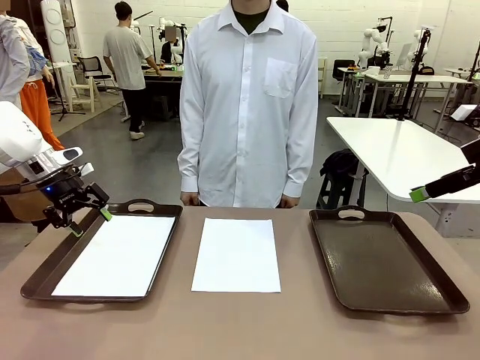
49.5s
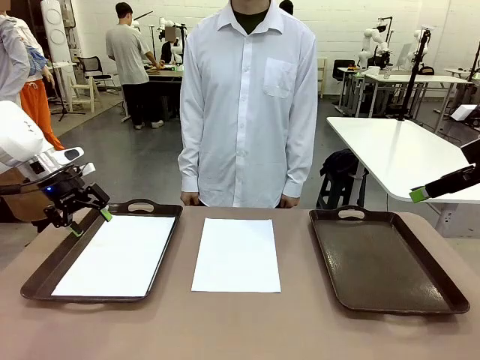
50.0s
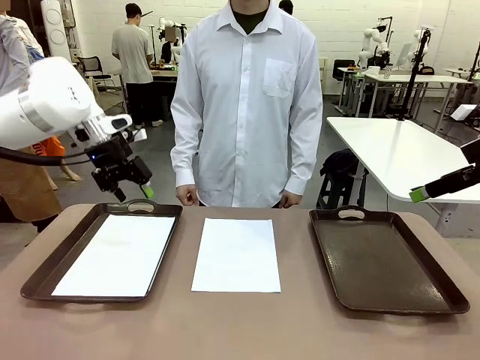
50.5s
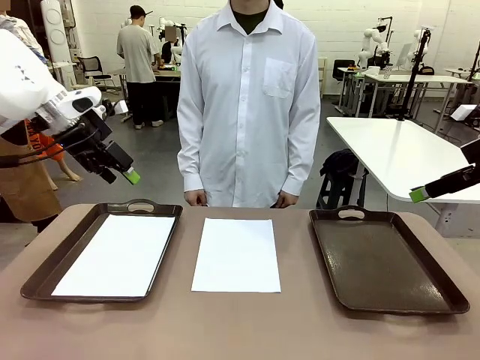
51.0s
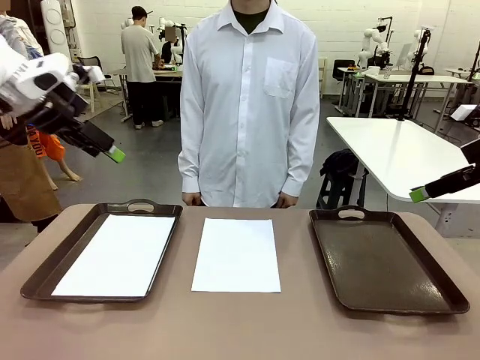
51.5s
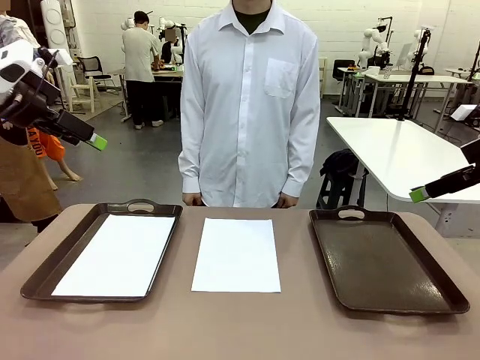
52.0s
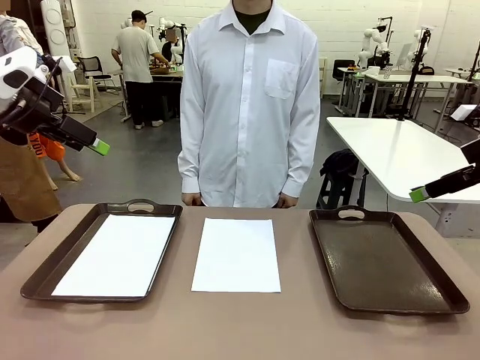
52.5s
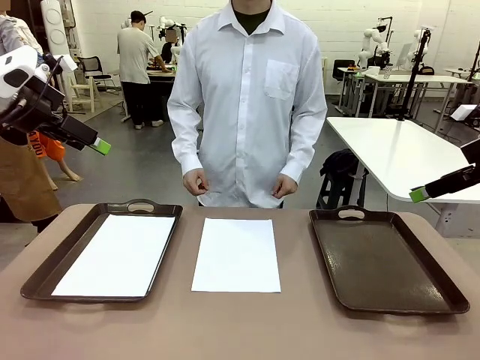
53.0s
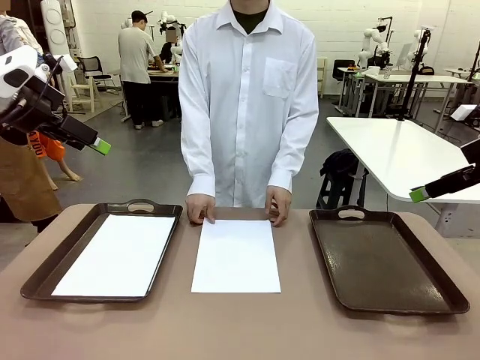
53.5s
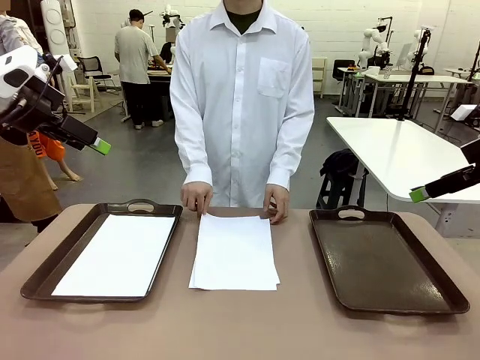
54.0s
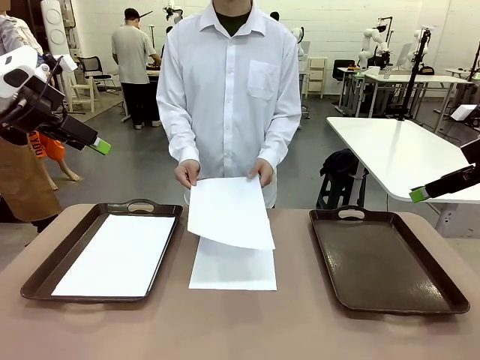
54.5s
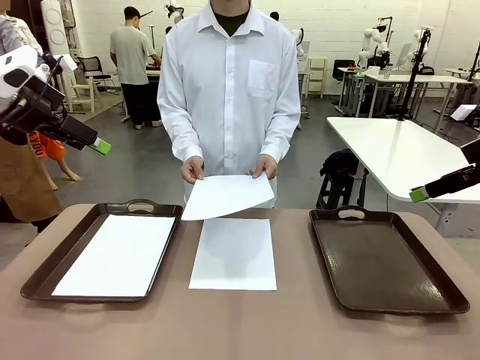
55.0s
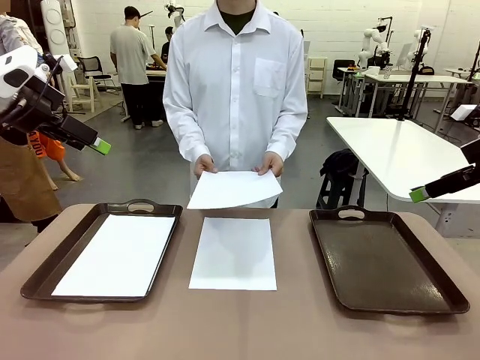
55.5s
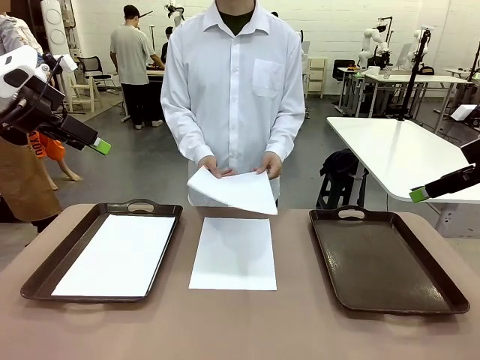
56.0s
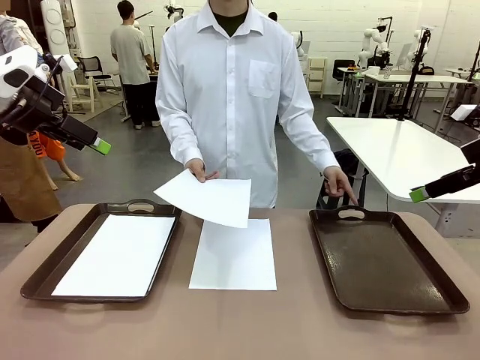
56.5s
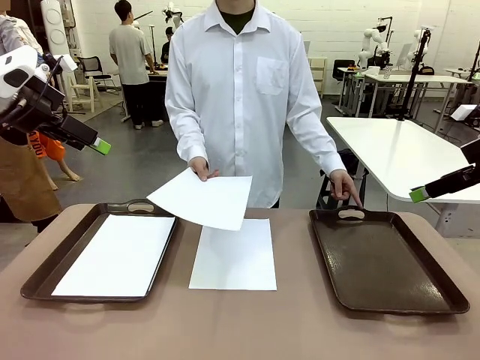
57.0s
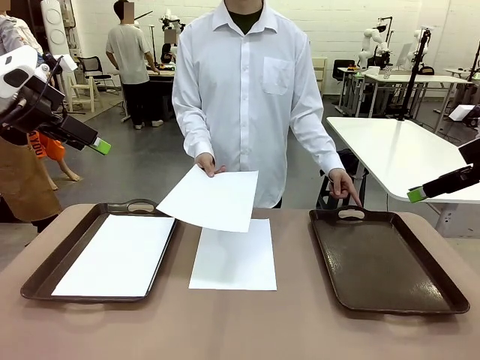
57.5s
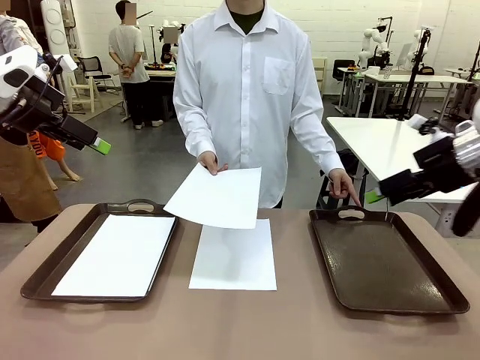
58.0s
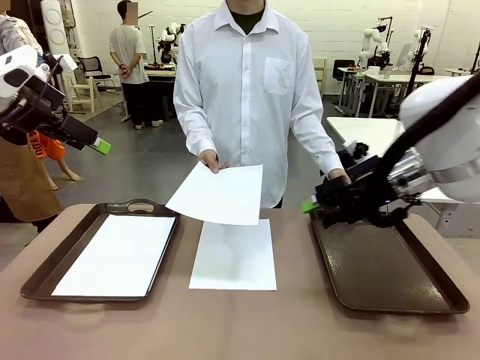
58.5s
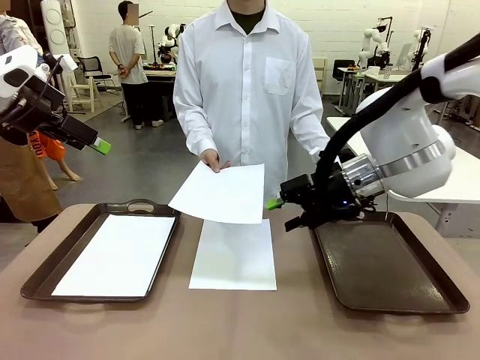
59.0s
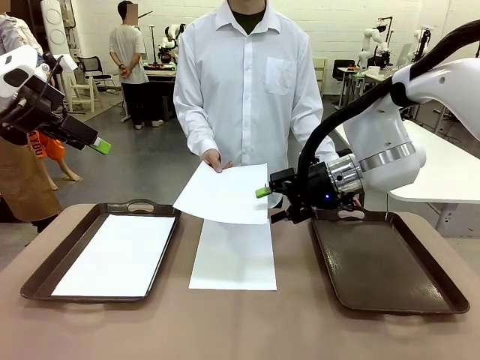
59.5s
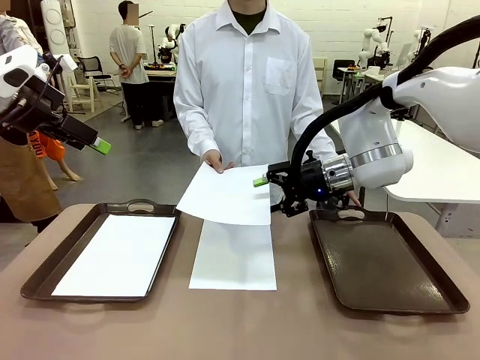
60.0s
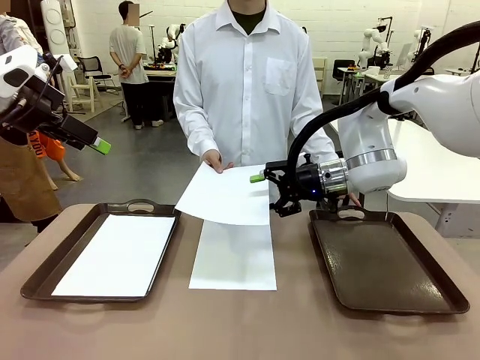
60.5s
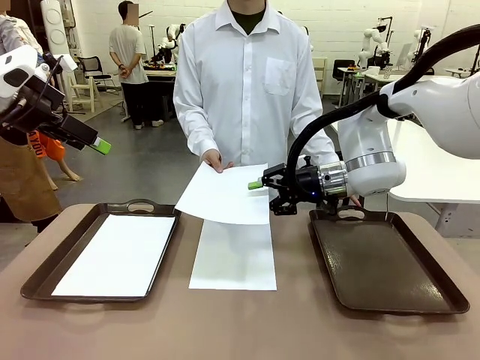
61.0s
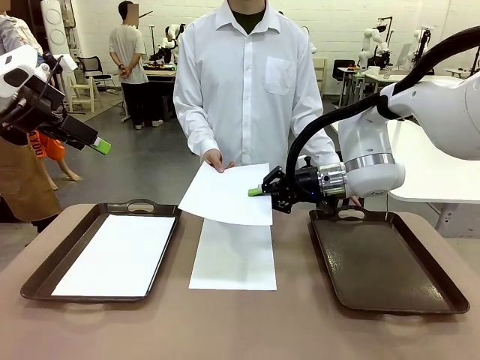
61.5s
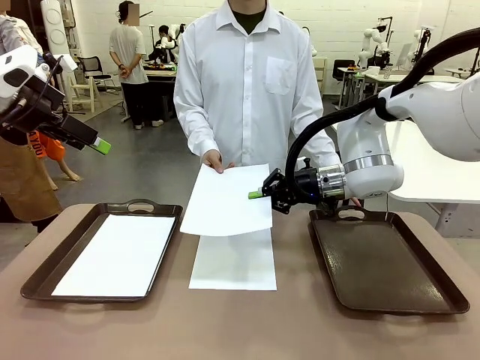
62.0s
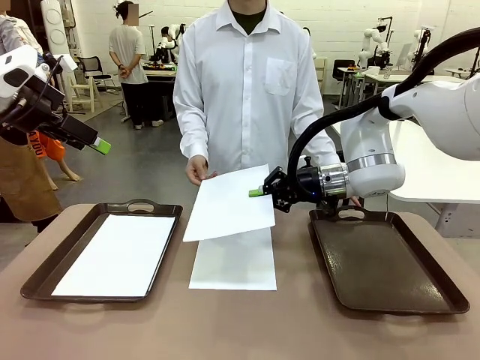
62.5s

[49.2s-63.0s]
Task: Sort the A4 documents.
Robot: Receive the A4 Paper.
Person: Point the randomly selected tray with the other hand.

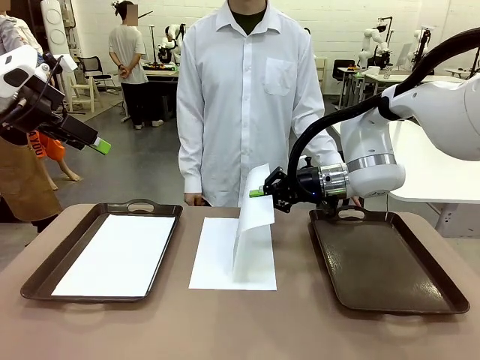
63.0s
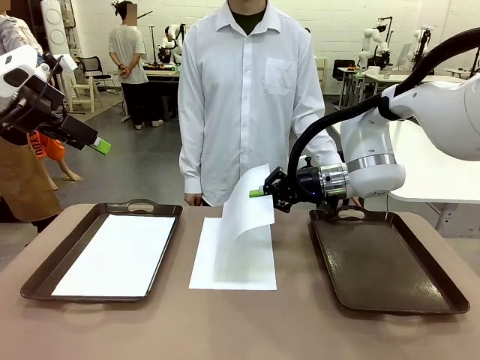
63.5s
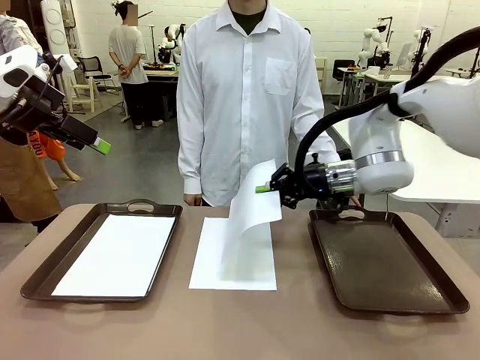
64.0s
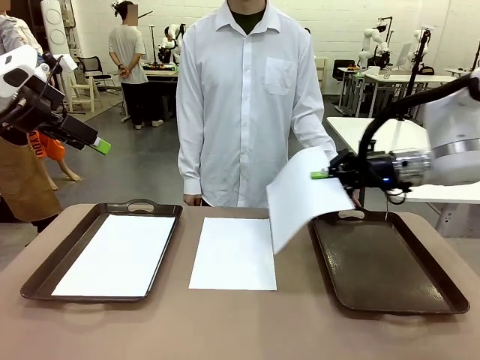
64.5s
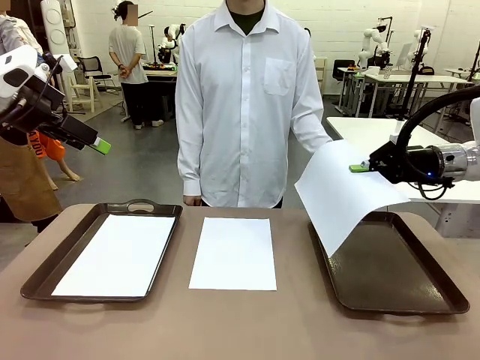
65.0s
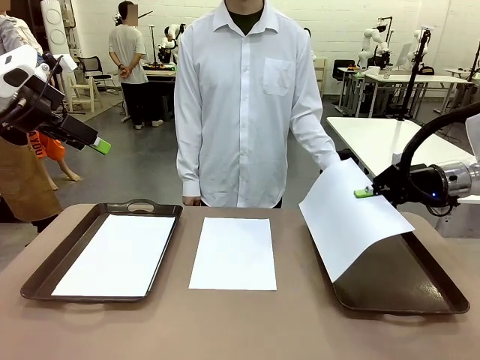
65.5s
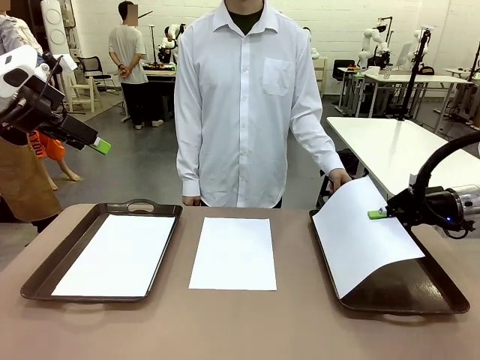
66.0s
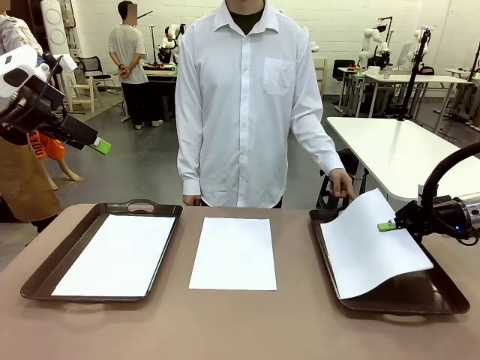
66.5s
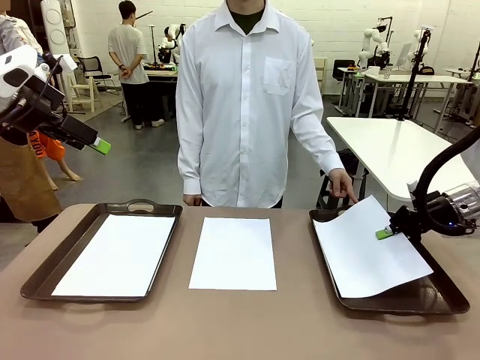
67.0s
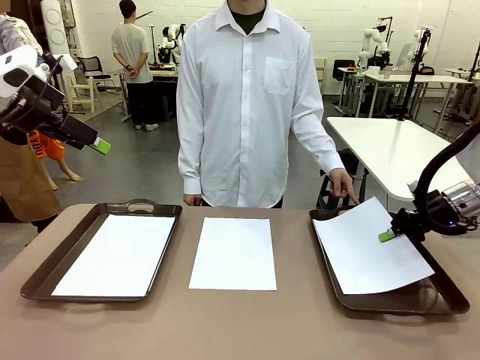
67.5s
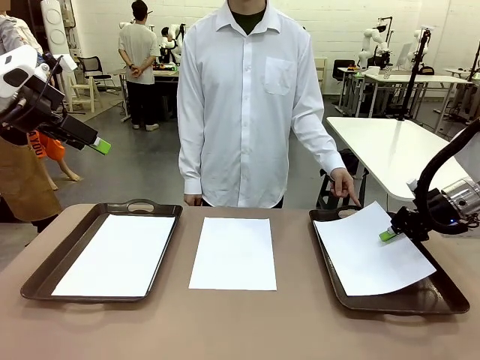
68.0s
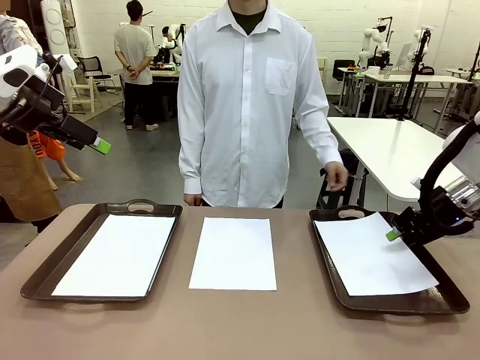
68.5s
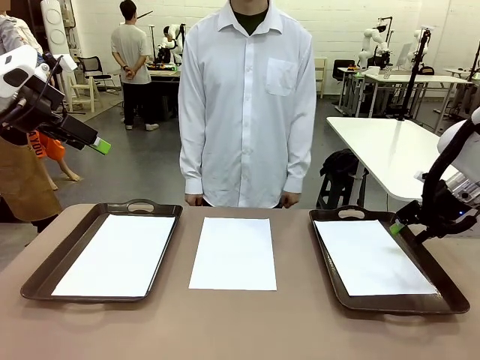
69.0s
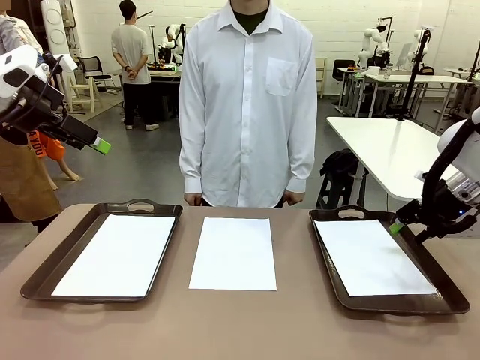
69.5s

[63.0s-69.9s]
Robot: Place the A4 Paper in the designated Handle tray.
